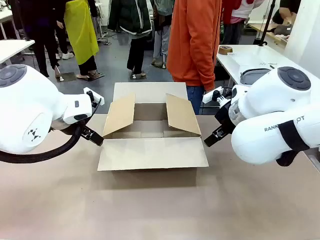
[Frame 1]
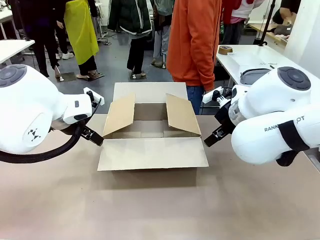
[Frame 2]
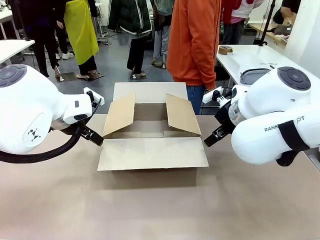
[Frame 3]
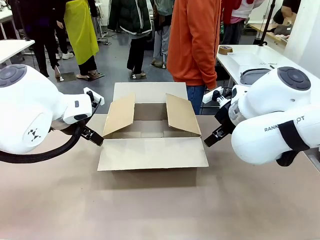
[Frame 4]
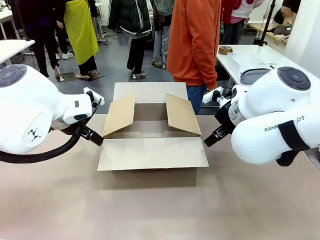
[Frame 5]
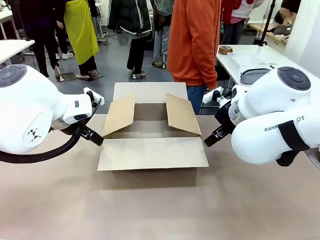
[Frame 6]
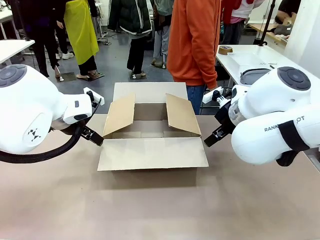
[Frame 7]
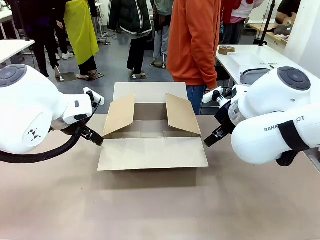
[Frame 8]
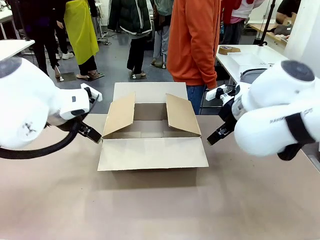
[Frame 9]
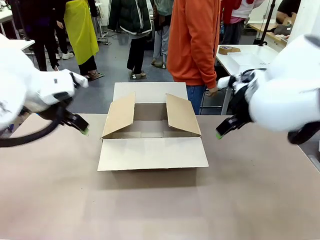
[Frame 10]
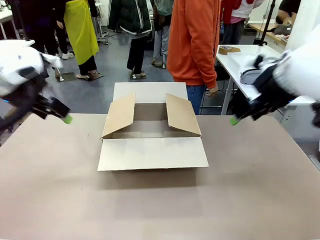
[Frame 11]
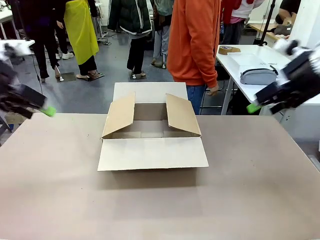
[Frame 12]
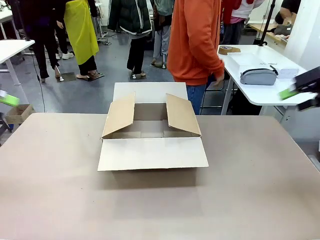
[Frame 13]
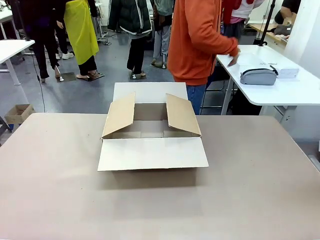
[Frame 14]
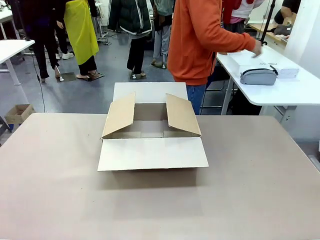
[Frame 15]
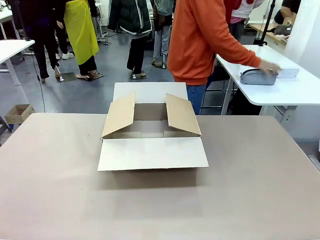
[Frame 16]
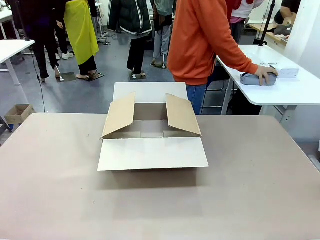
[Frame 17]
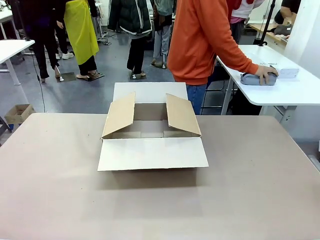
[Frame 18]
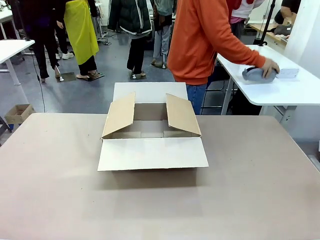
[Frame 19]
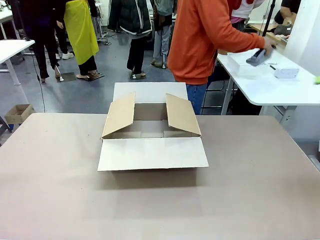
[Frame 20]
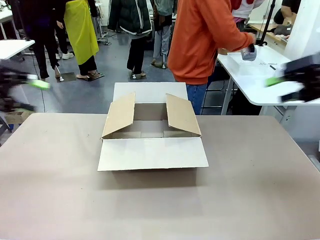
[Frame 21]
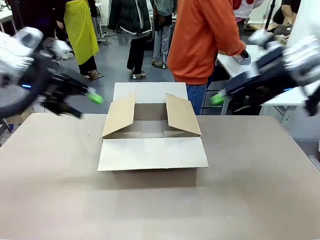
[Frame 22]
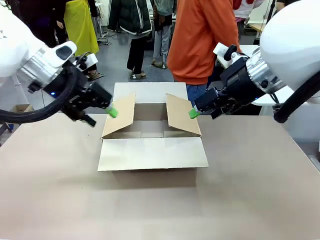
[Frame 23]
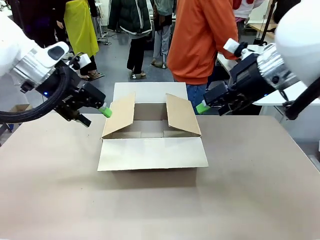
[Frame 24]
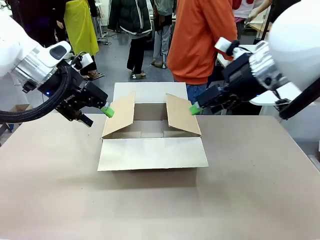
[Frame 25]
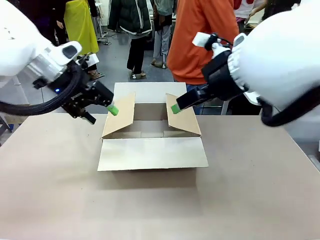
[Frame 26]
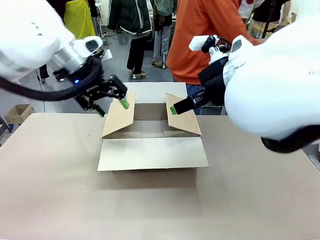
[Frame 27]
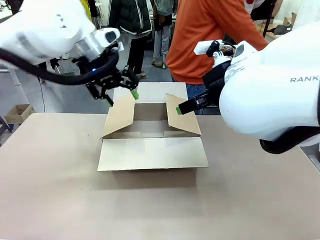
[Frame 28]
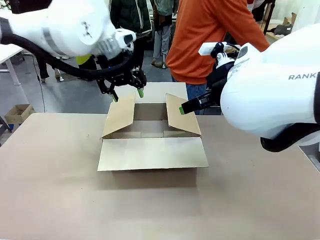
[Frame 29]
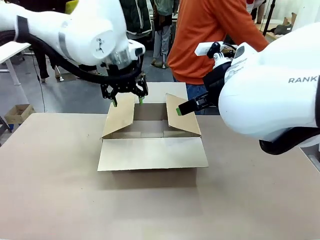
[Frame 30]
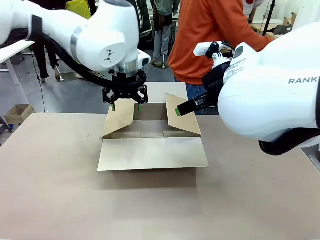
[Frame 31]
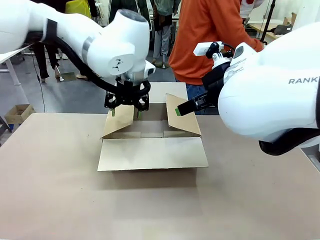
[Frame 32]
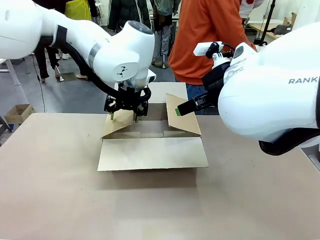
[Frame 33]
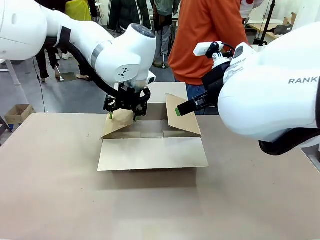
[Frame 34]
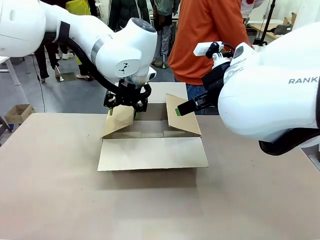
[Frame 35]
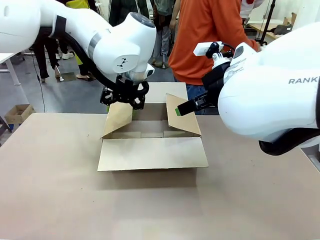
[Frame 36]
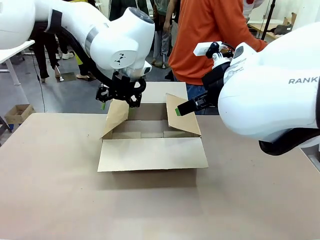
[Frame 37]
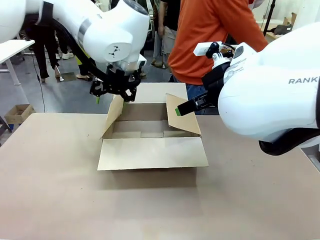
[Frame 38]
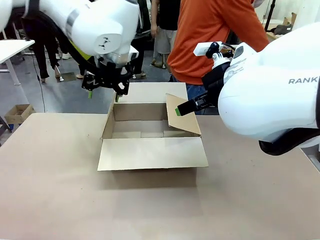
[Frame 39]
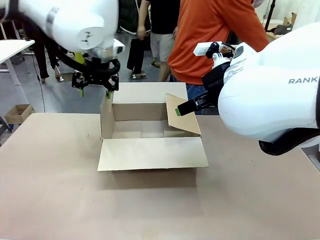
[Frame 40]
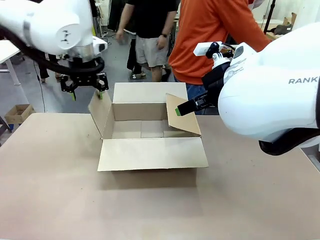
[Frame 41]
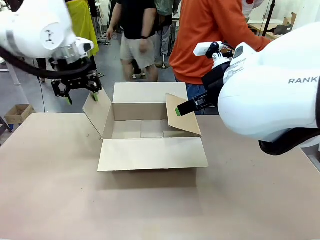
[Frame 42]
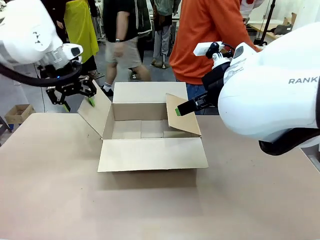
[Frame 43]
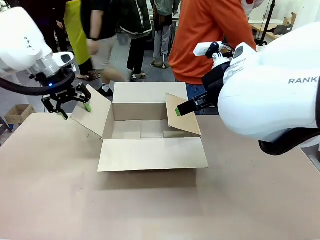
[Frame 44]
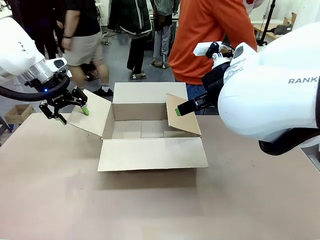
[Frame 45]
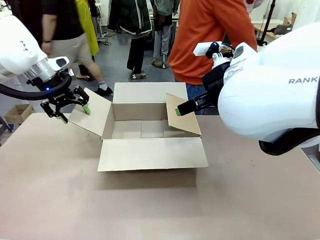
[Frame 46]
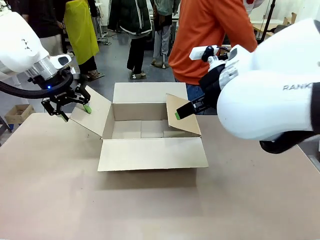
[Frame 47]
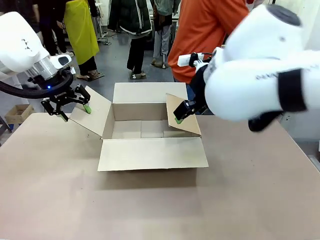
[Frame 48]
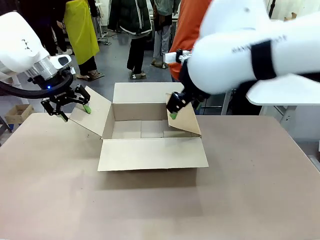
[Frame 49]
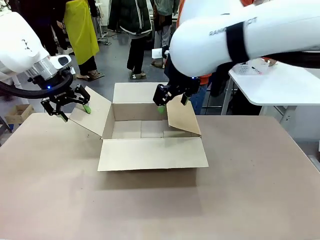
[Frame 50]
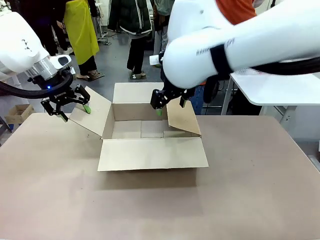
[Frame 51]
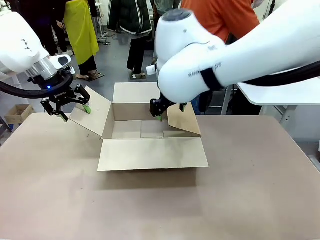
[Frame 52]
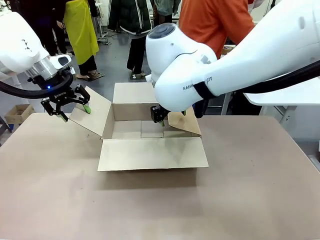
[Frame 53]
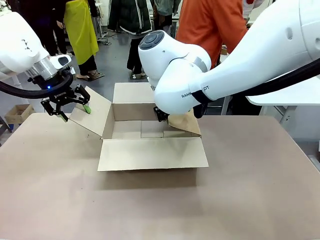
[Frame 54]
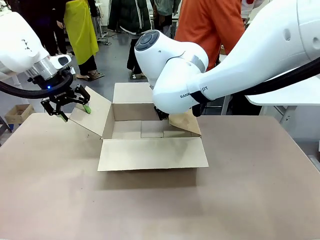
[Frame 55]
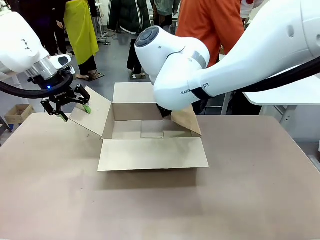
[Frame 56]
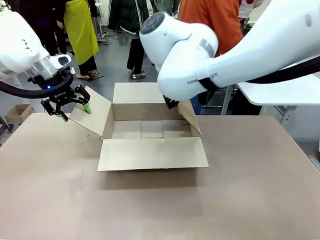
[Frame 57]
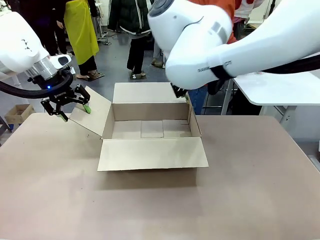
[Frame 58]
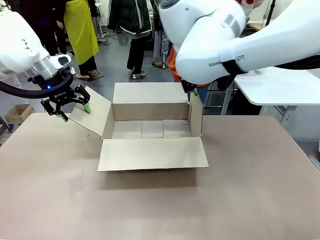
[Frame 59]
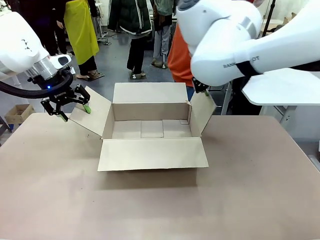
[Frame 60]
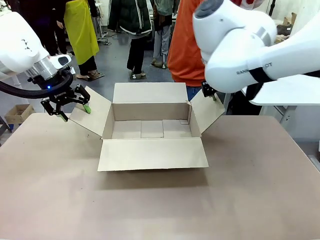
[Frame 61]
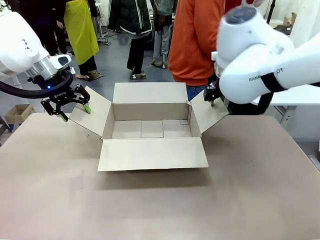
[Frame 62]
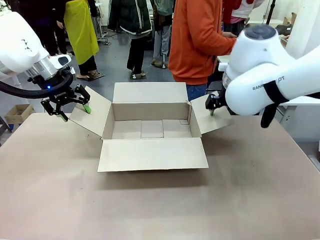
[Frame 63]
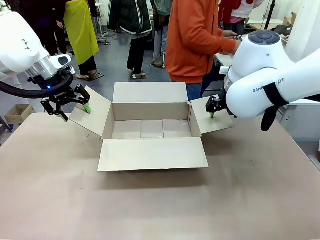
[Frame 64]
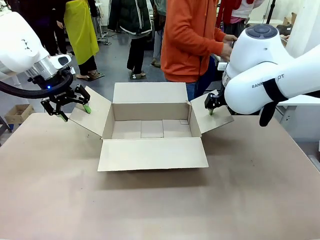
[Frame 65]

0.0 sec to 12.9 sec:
Task: Pack the gift set into the box.
Robot: Place both hands on the side flaps of the Package Box and spread them outward.
Person: The human places all items except the paper tape into the organizing basket.

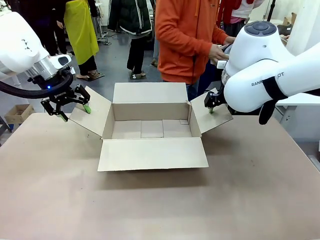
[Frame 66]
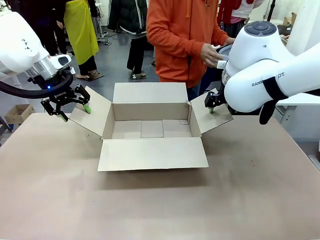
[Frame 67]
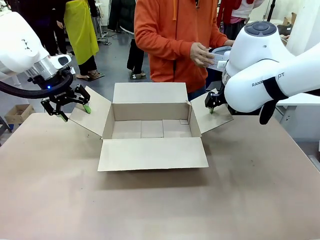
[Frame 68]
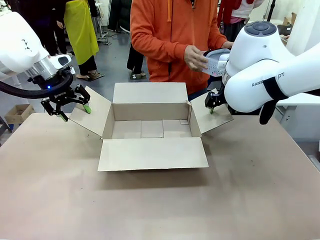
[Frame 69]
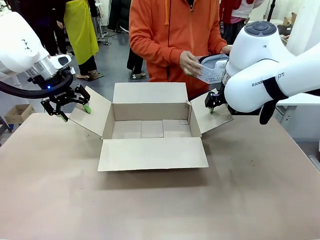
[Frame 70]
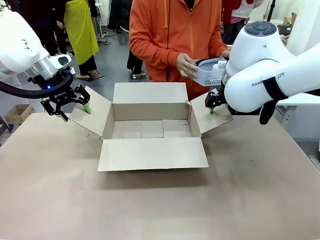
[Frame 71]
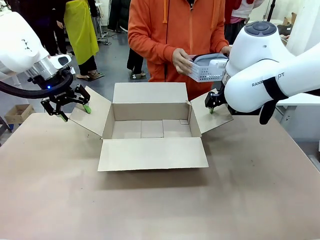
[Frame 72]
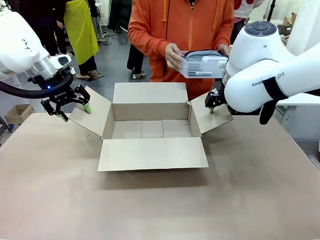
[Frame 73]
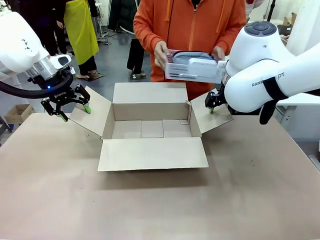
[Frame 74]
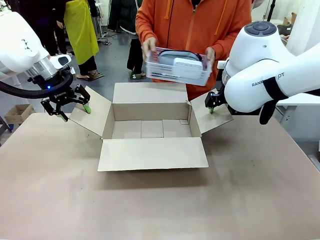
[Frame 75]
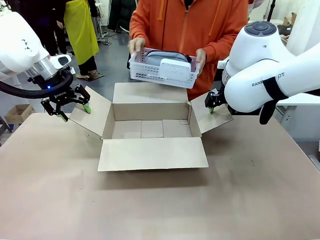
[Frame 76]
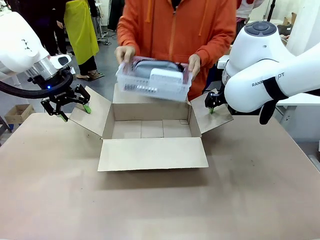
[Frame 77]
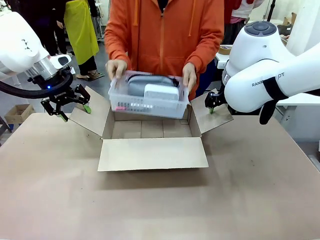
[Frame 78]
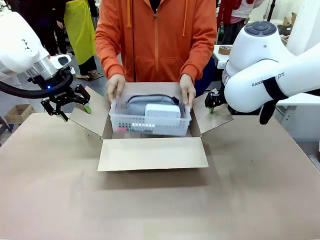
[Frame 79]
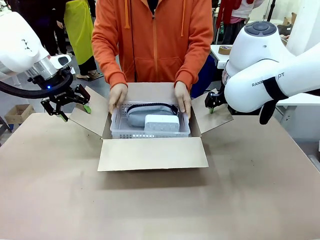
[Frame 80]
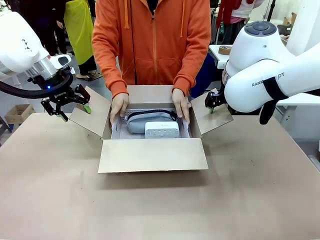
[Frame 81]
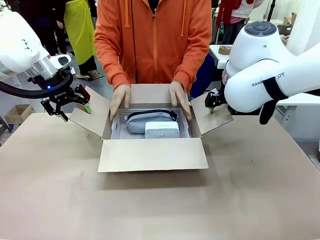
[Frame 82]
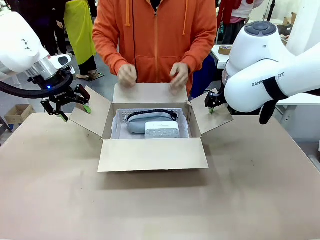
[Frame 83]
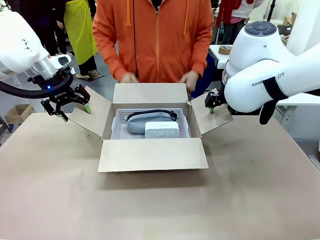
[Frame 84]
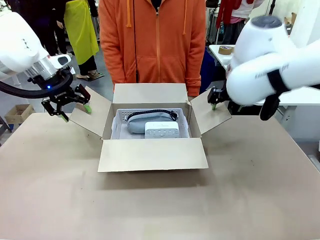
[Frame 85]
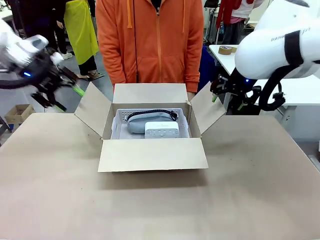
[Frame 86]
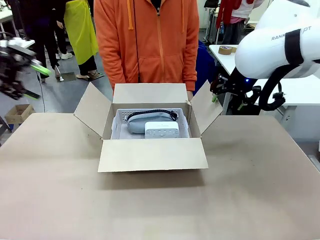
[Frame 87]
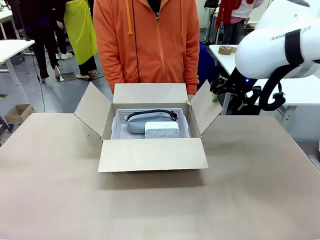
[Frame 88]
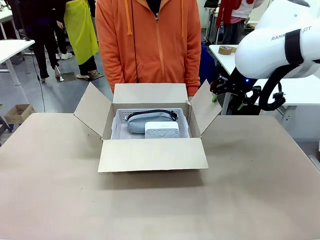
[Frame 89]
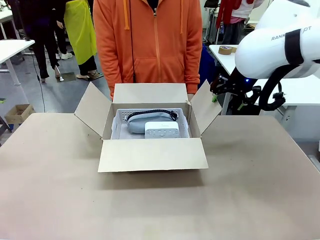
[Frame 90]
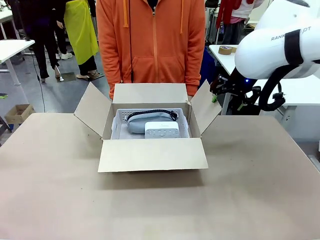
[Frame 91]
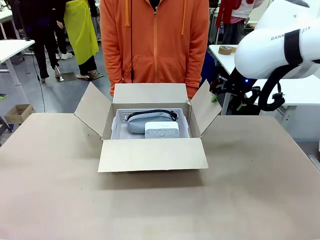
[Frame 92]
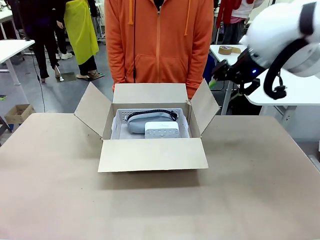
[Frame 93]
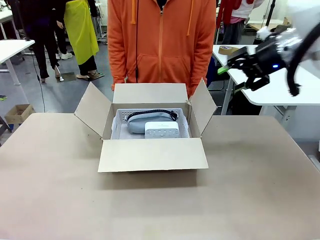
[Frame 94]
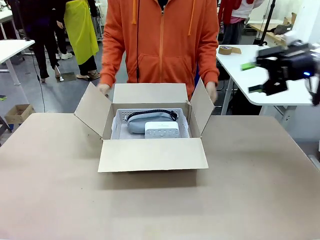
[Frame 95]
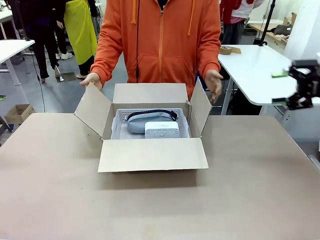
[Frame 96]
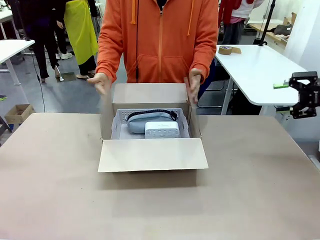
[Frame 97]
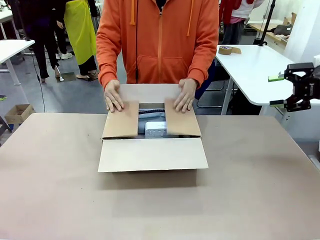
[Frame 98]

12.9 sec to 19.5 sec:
Robot: Lift both hands away from the flaps of the Package Box.
Person: The human picks up the organizing basket and places the organizing basket into the package box on the robot table.
